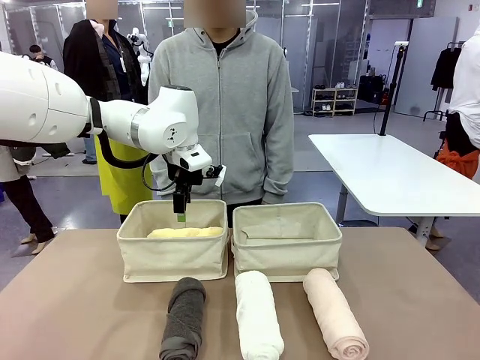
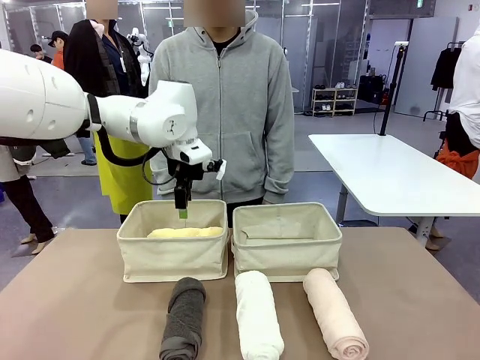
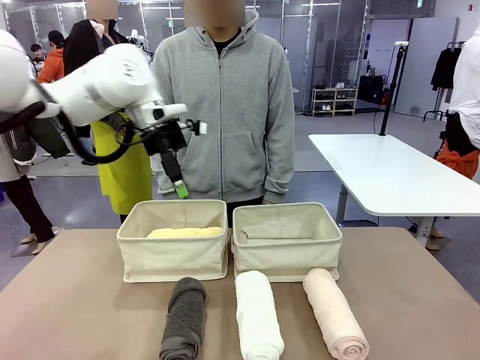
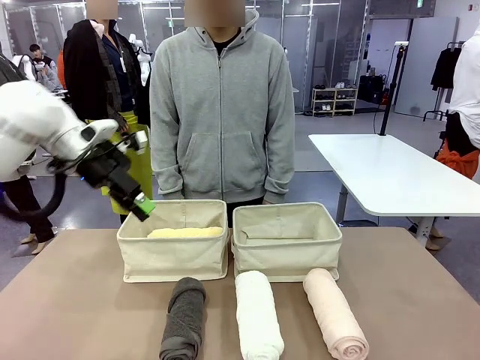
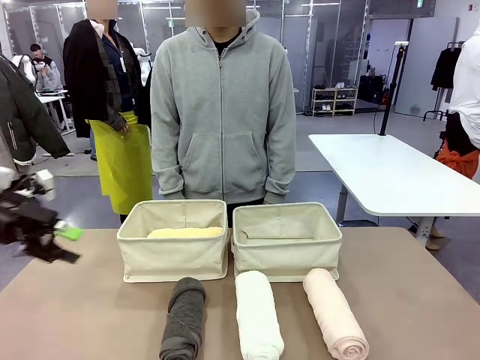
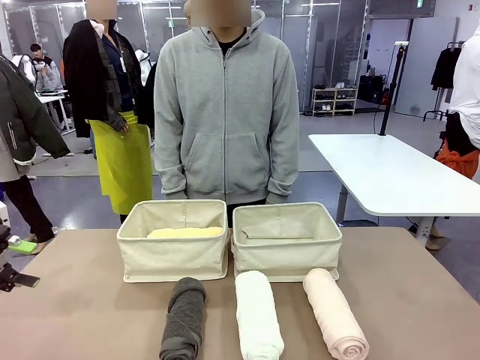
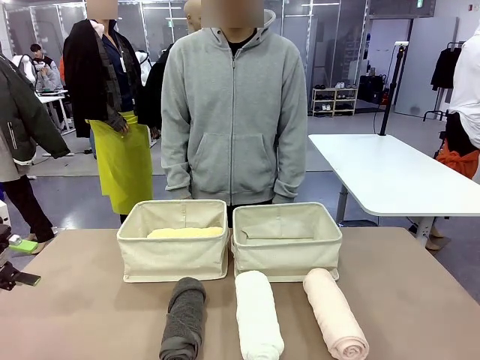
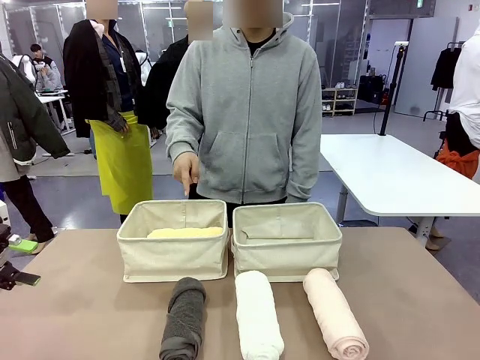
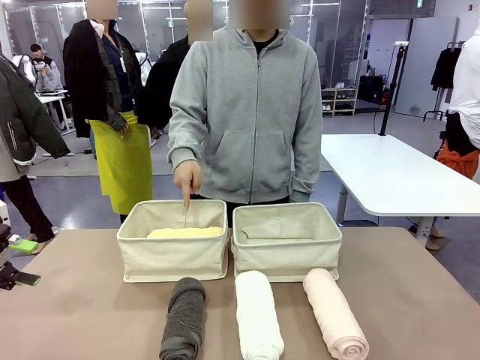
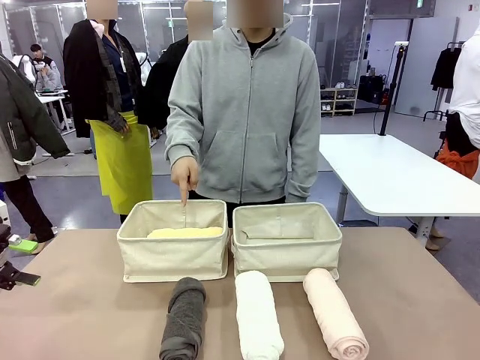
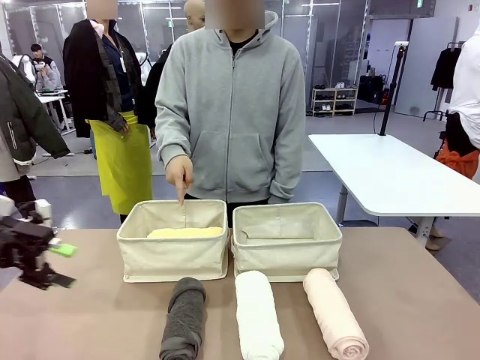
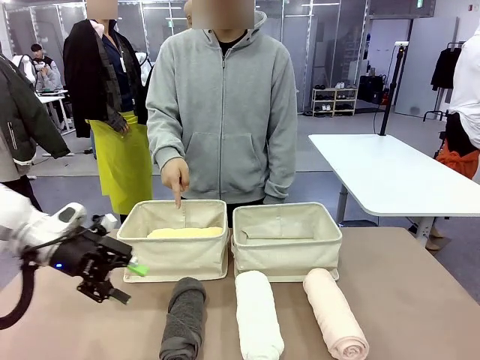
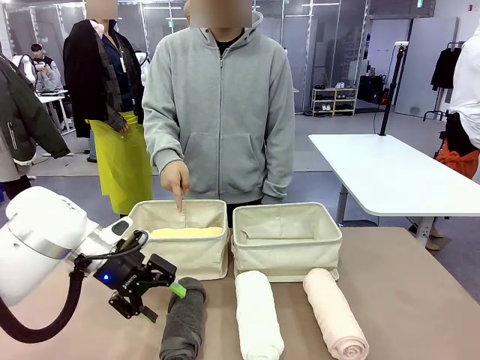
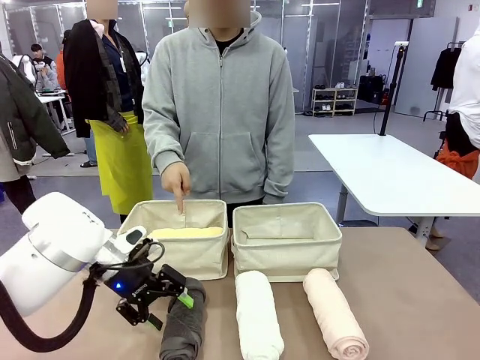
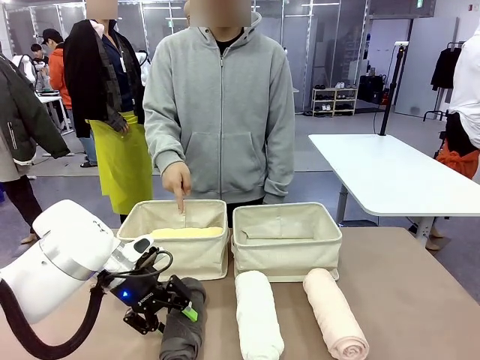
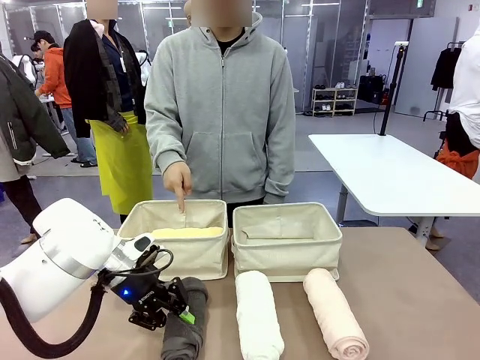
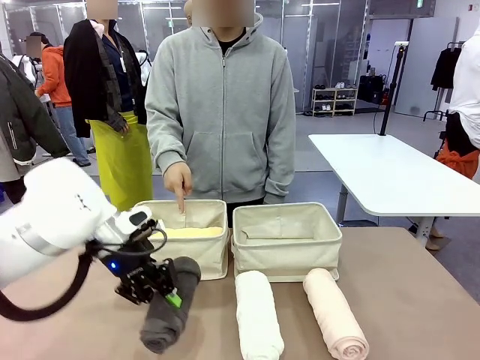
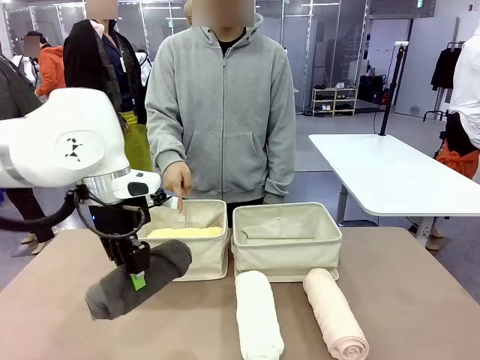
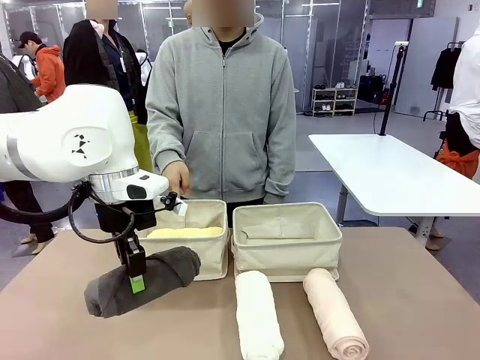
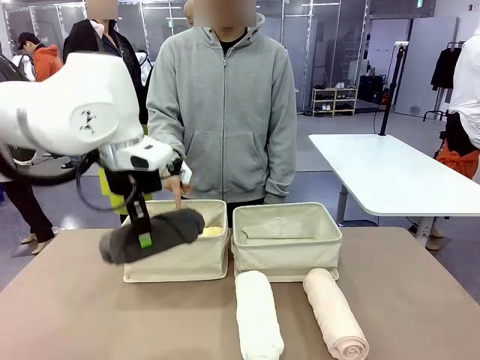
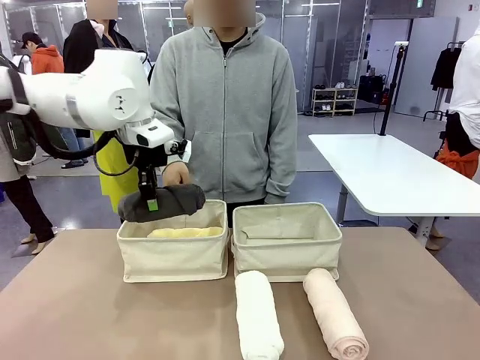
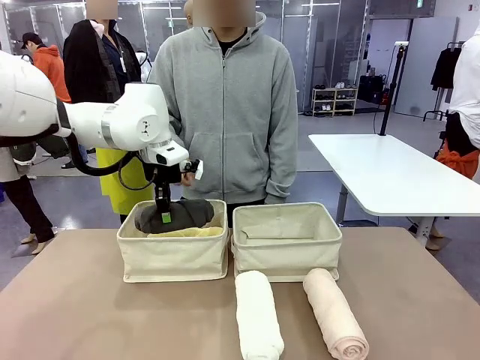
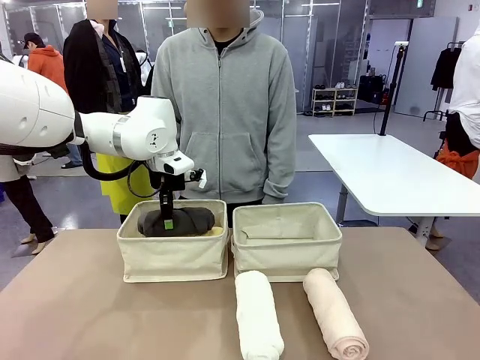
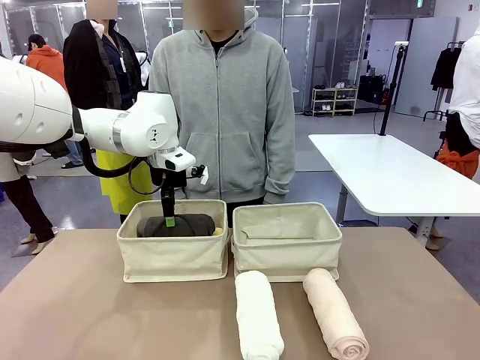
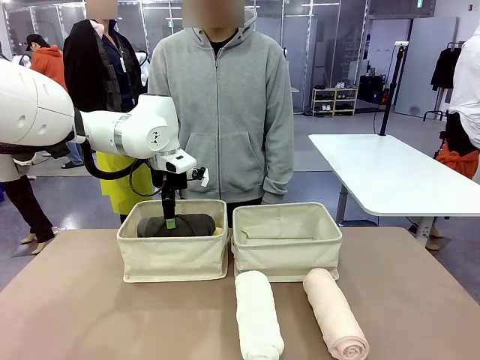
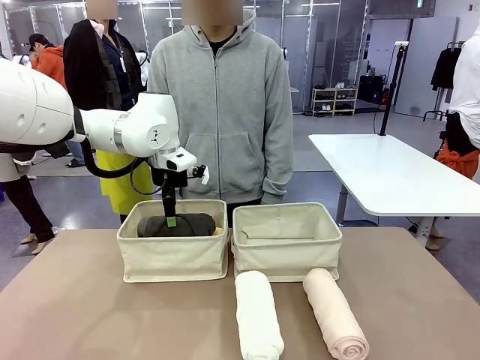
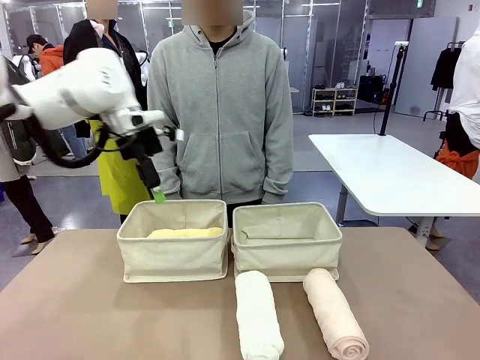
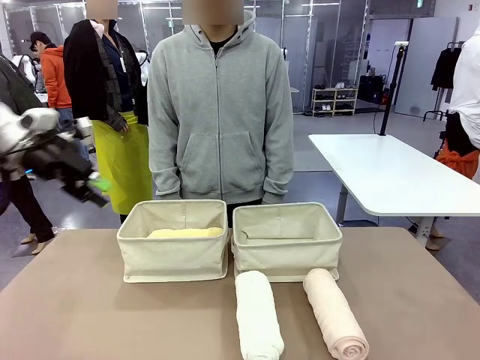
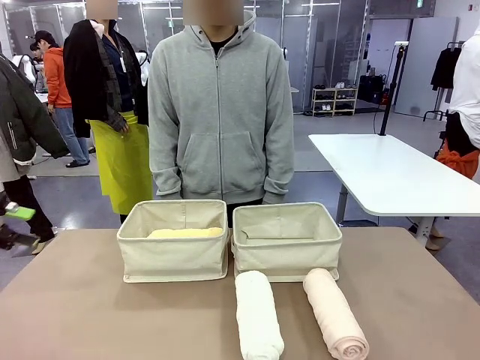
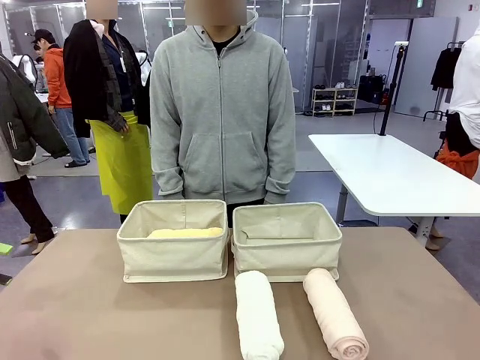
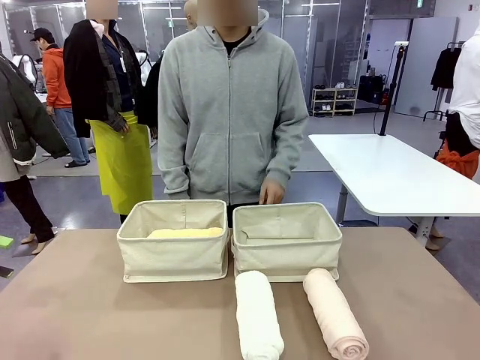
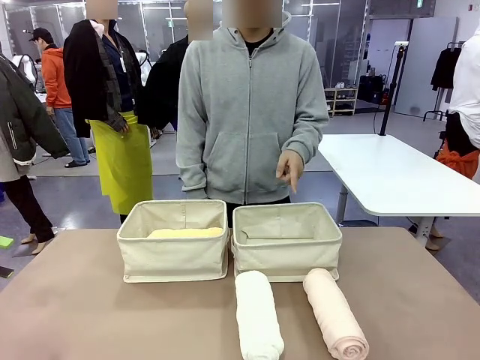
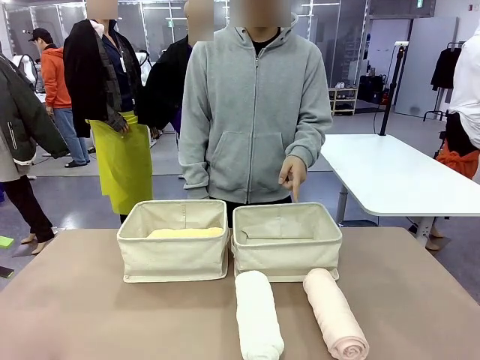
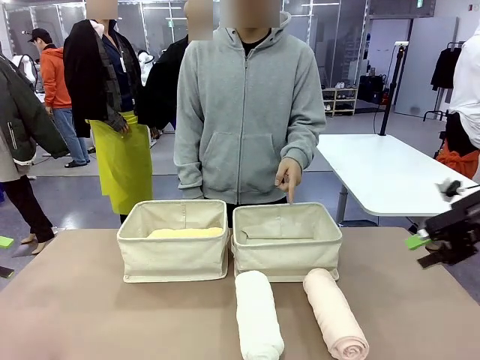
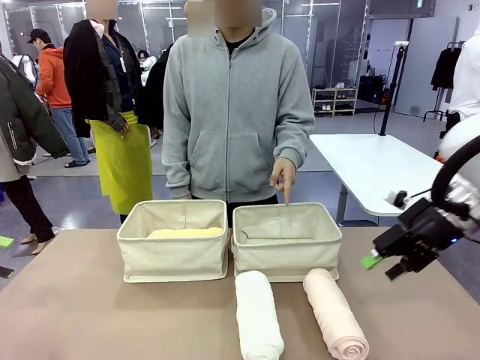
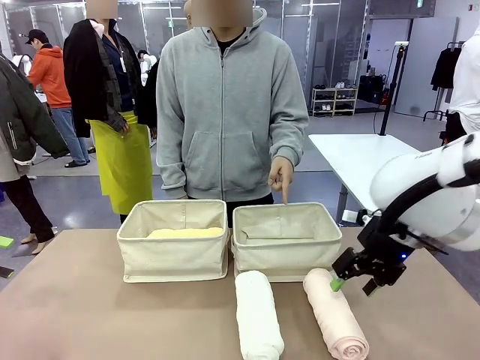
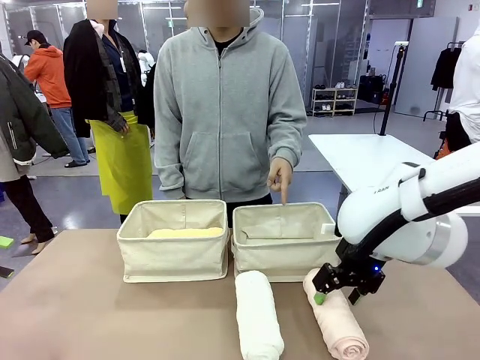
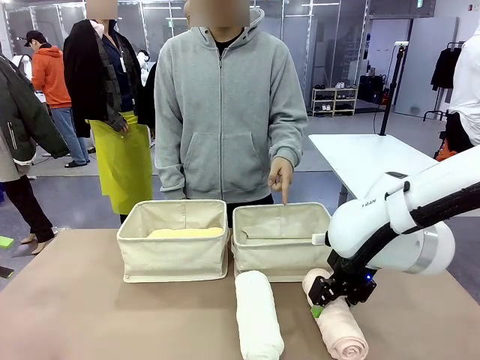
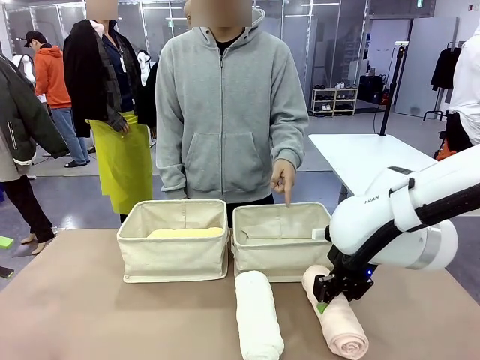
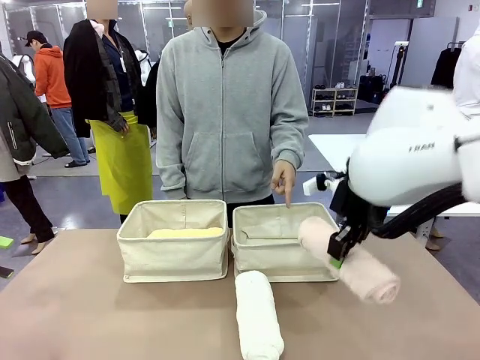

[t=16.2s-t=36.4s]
Task: Divide the towels into two baskets.
Robot: Pick up one hotel-folded towel from the bottom of the table and place it in the Fabric basket indicated by the person.
